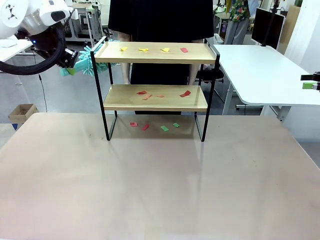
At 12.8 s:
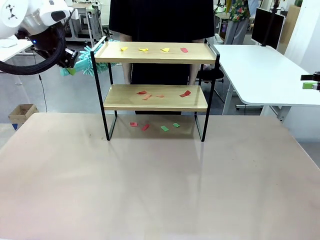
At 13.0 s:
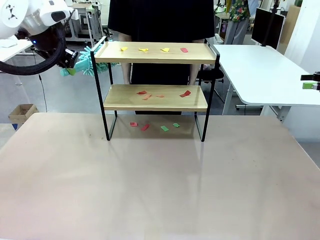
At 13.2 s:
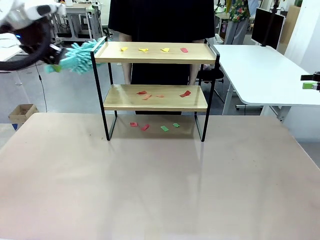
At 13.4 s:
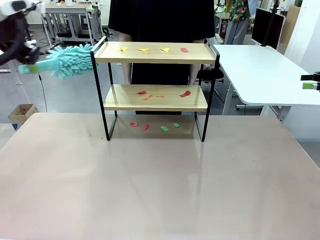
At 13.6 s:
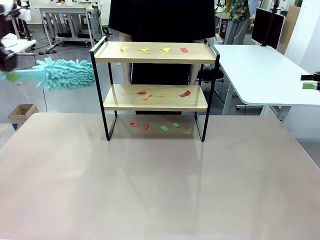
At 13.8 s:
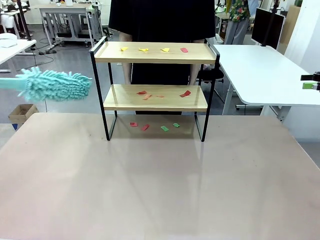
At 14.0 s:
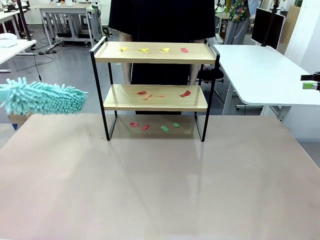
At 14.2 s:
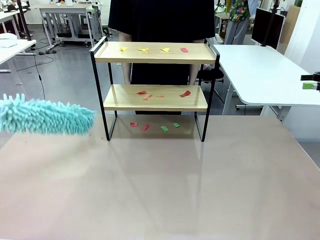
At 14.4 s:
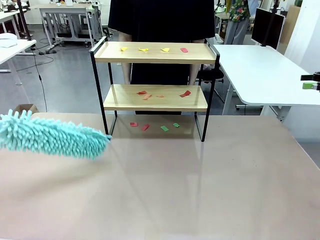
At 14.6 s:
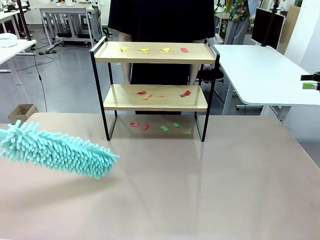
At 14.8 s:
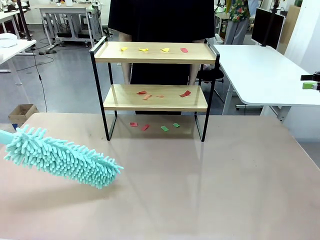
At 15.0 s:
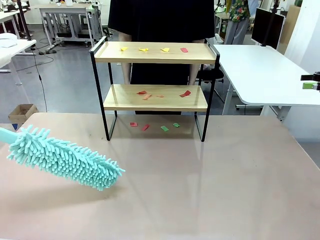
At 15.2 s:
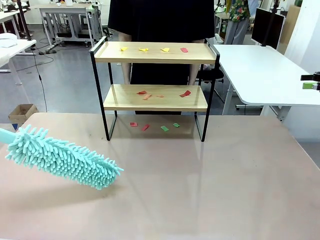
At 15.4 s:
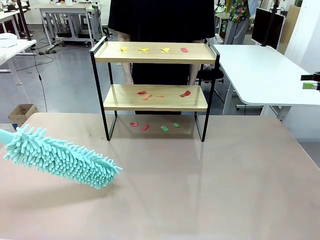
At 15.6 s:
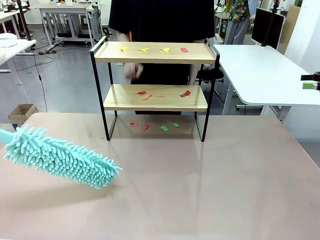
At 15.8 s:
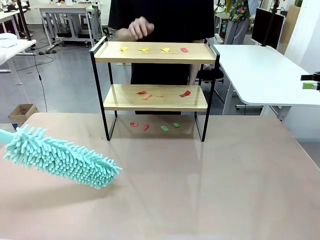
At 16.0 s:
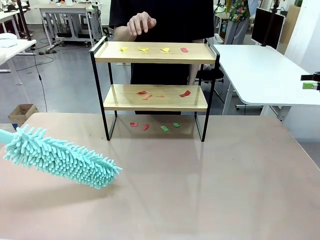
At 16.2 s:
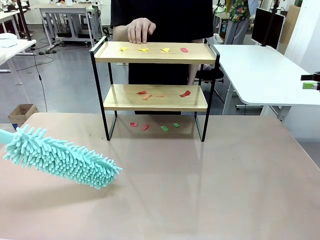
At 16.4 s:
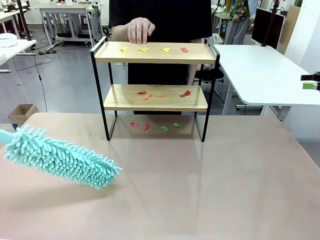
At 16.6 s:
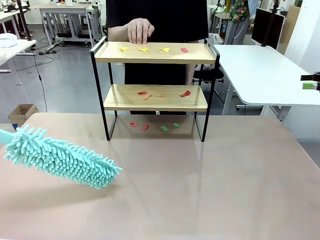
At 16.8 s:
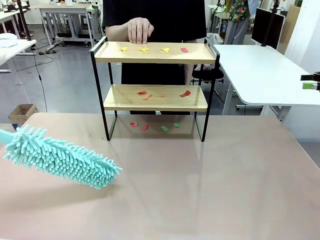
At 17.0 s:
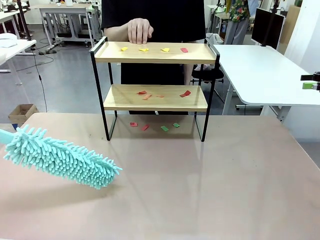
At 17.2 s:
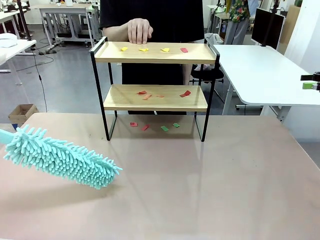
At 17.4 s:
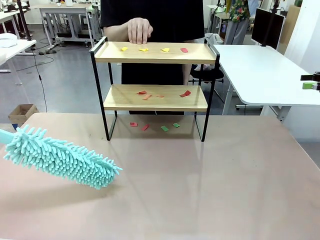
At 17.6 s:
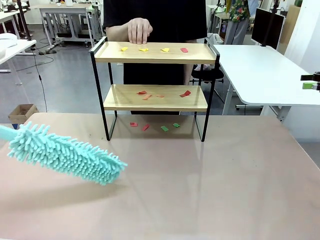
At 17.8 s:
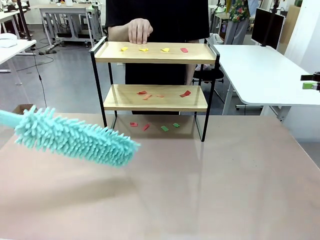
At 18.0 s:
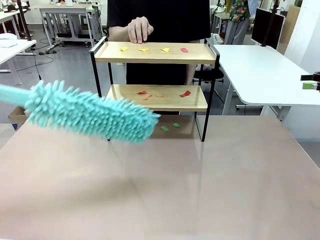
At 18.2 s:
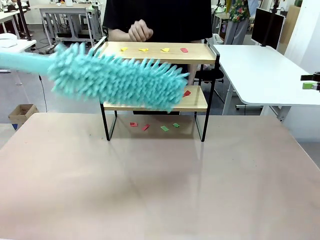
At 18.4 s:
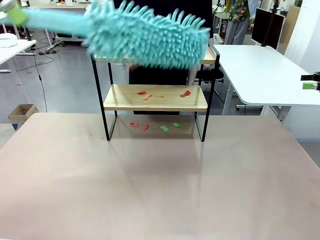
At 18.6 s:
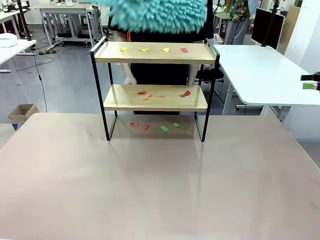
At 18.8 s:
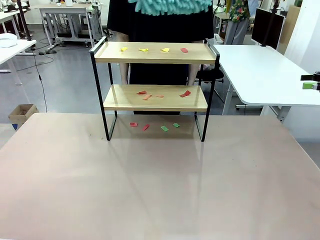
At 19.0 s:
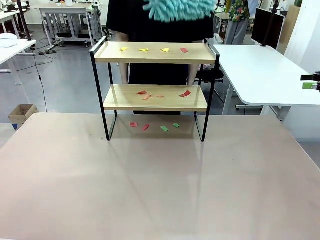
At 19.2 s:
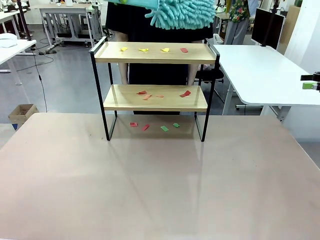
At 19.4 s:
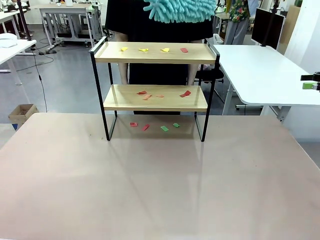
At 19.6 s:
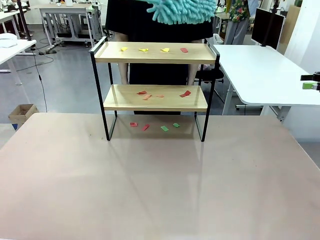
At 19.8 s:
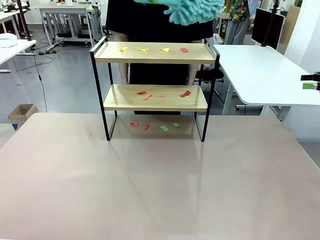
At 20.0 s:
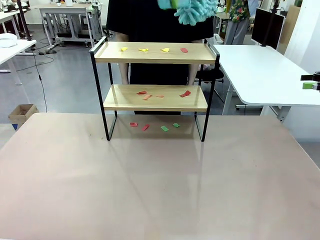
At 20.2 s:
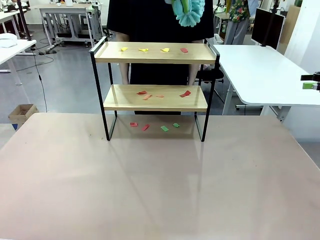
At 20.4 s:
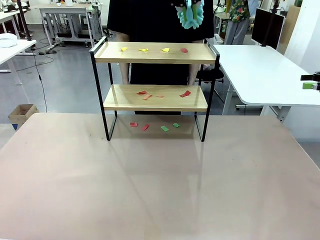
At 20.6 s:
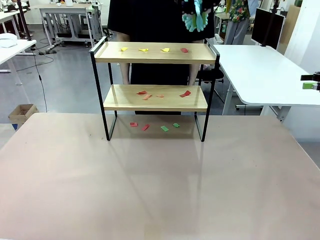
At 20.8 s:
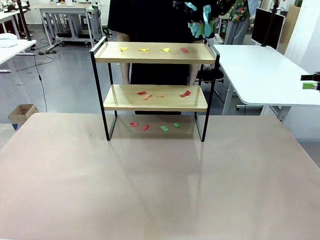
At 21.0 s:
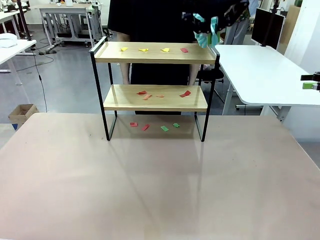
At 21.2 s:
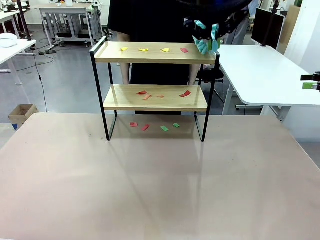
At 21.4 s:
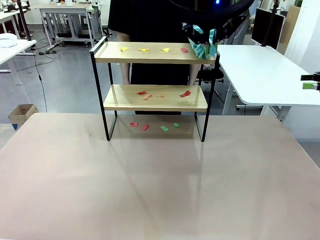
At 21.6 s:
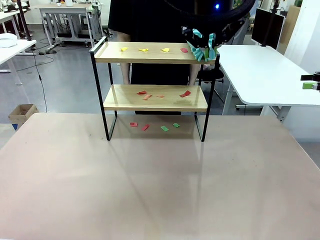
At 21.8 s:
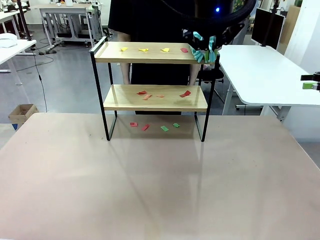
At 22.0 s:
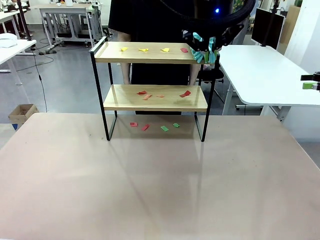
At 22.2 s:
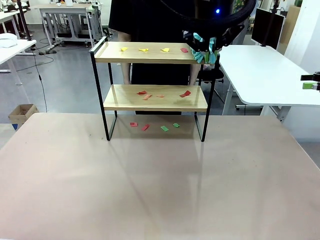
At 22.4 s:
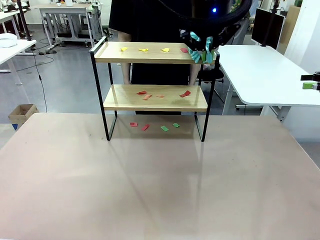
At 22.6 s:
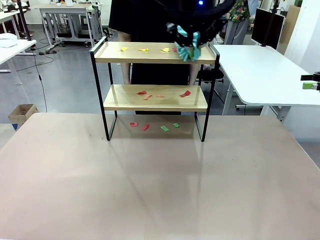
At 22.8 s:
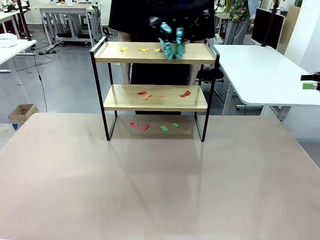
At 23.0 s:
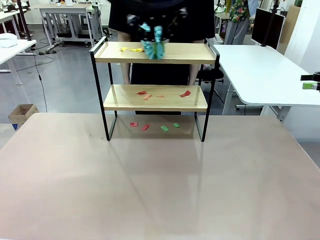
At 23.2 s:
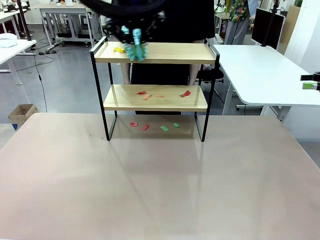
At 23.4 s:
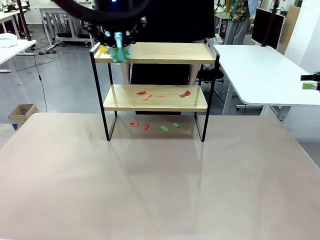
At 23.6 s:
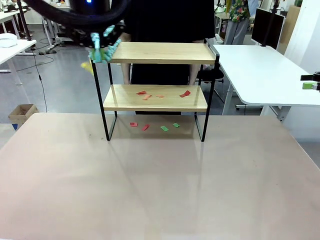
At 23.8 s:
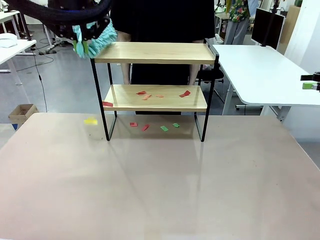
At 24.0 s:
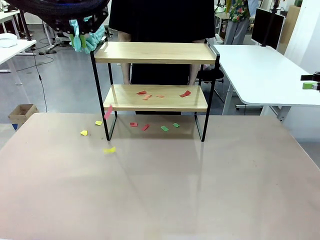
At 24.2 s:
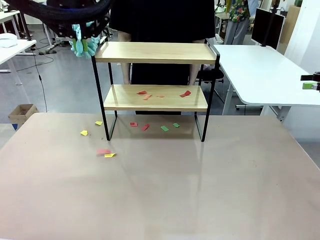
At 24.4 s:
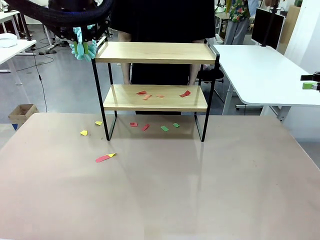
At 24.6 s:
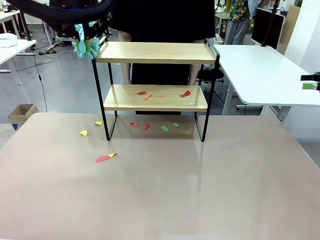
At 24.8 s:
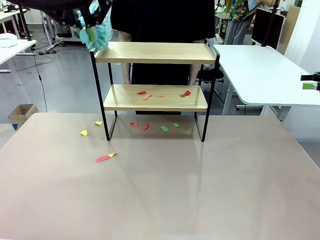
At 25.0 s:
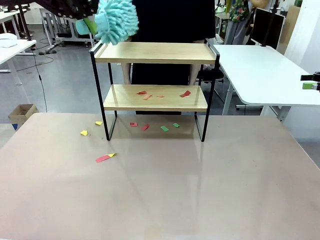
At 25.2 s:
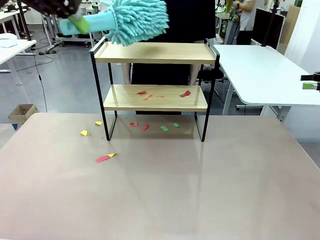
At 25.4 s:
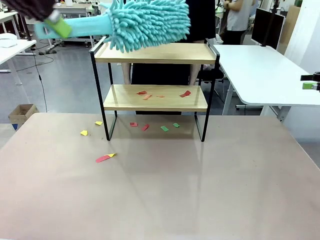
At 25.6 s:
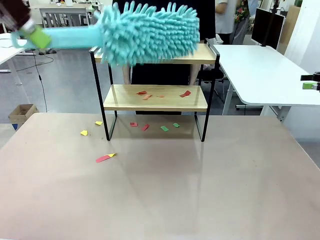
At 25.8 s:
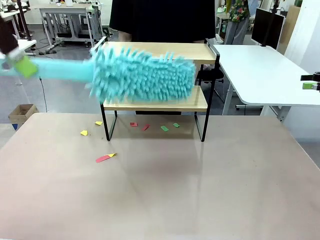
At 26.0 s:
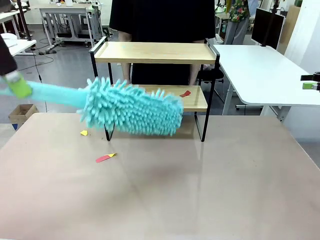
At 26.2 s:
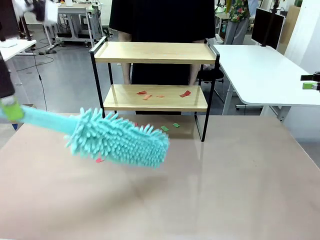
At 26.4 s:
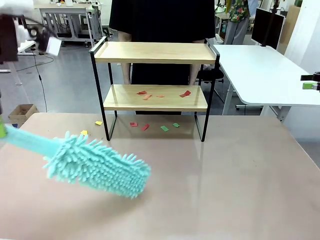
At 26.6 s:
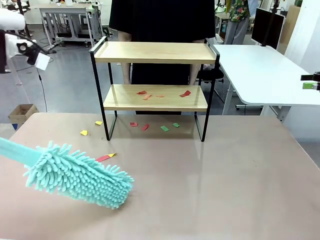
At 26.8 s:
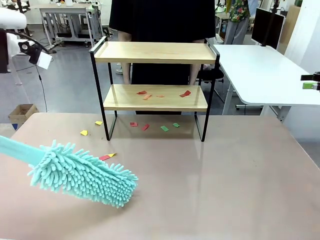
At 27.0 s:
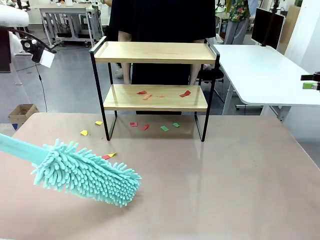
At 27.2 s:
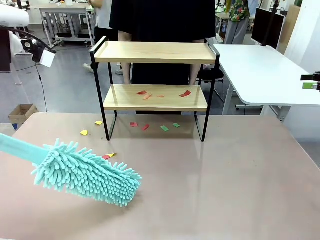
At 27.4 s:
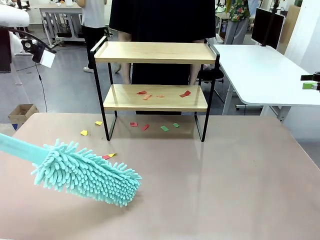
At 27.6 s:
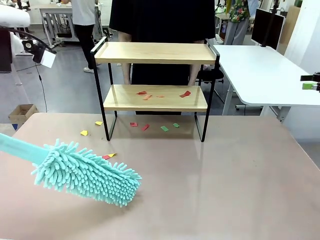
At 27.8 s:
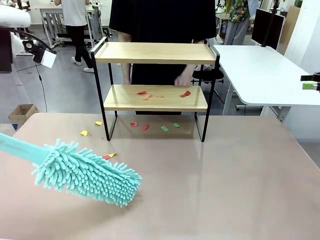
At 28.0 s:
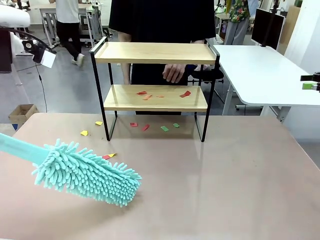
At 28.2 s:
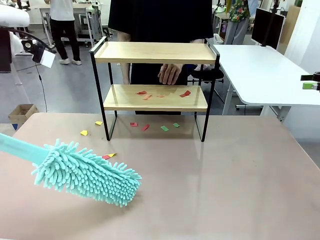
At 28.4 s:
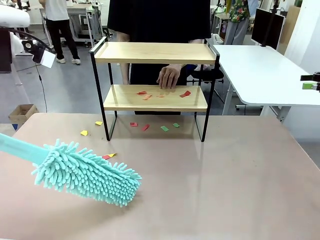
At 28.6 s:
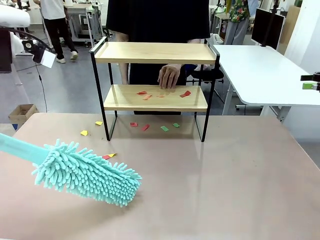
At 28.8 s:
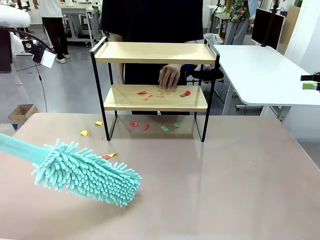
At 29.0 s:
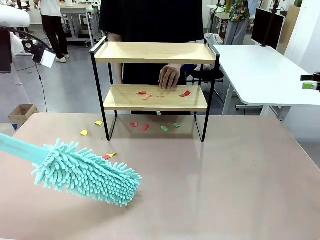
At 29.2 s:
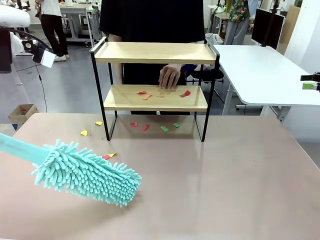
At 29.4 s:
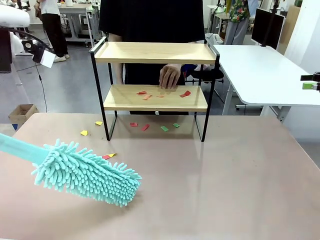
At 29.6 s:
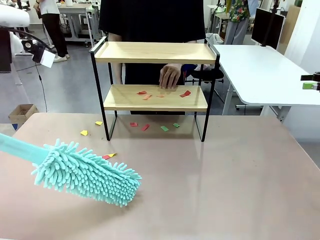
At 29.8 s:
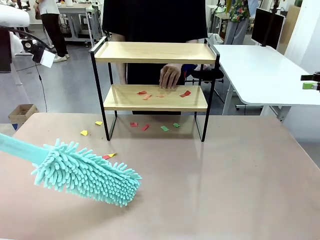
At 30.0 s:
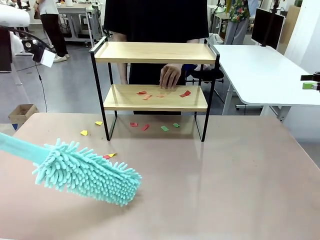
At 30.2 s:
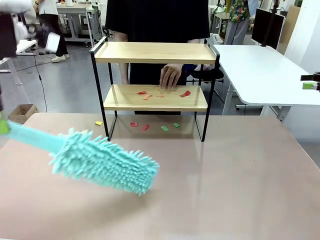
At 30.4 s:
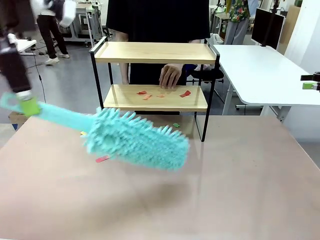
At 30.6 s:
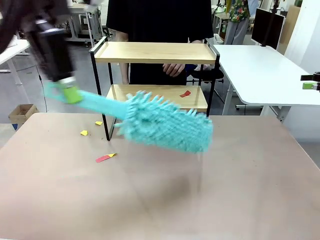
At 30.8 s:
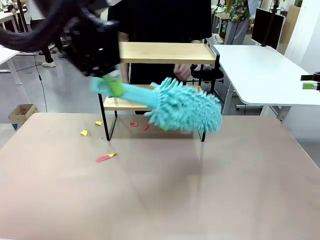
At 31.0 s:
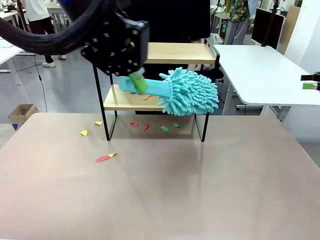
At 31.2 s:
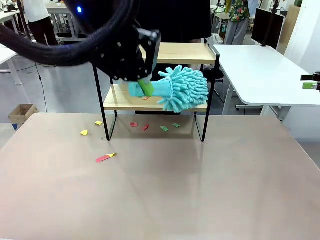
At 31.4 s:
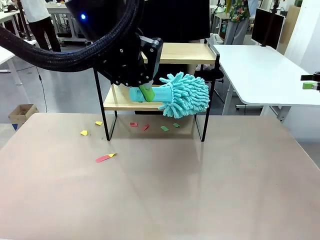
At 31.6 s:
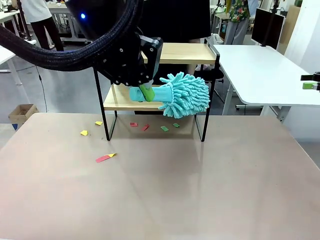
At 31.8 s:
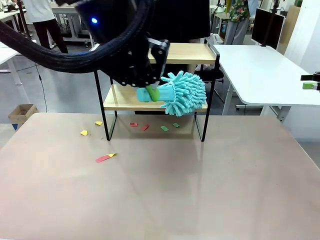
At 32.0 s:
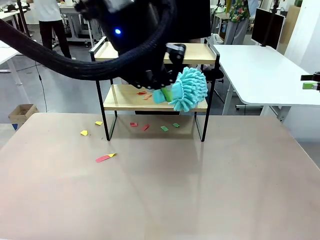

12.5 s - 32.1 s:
Task: Clean the shelf.
Robot: Clean the specific section of the Shelf indicated by the human with the Duster.
Person: Point a random section of the Shelf.
